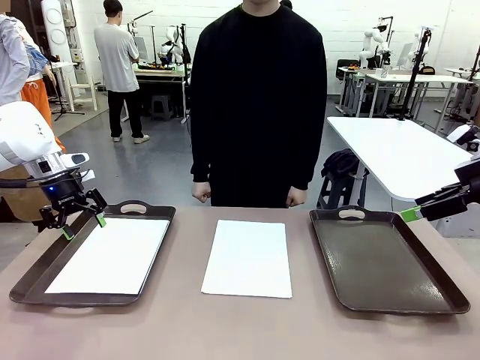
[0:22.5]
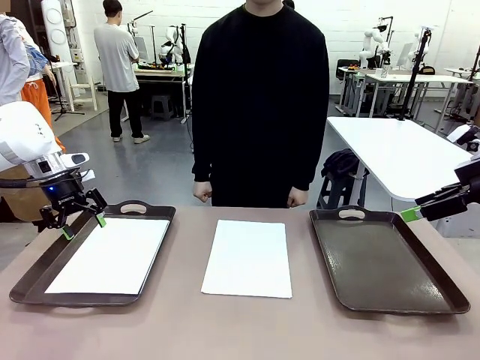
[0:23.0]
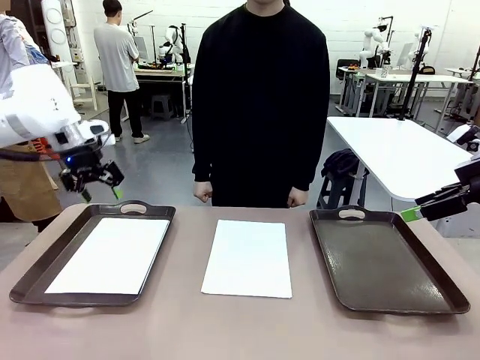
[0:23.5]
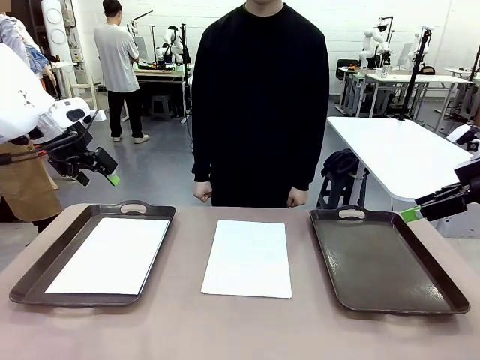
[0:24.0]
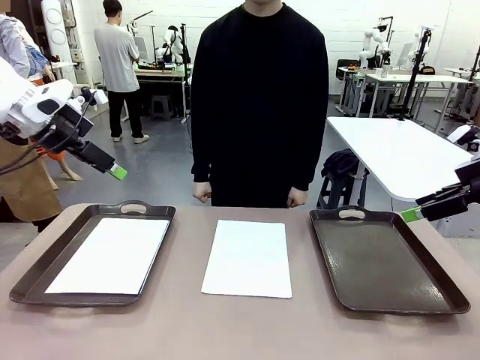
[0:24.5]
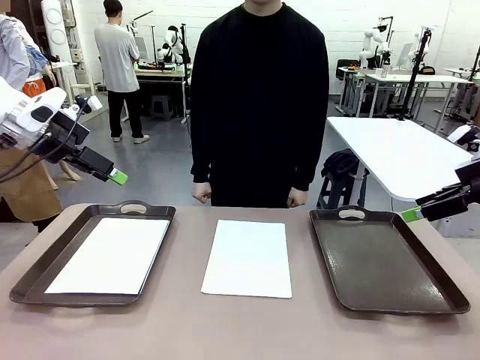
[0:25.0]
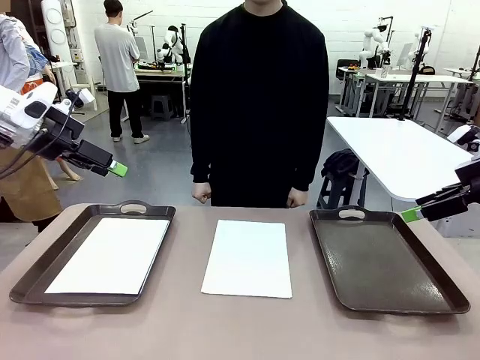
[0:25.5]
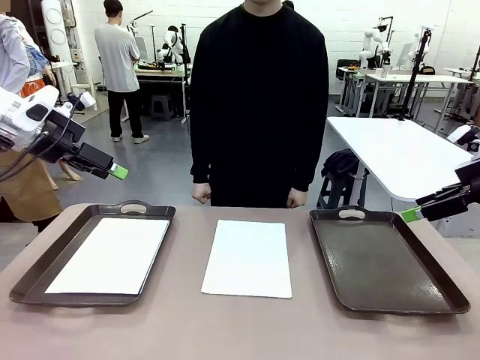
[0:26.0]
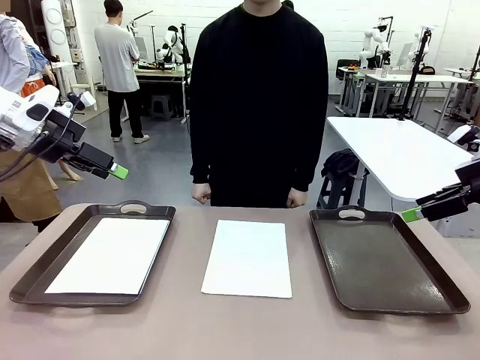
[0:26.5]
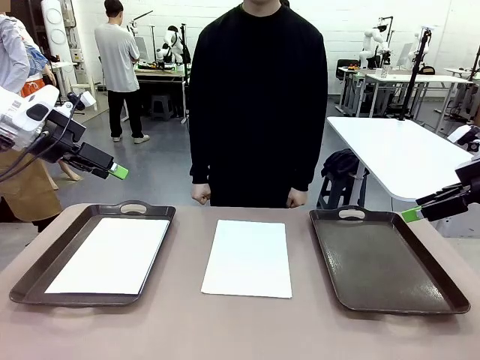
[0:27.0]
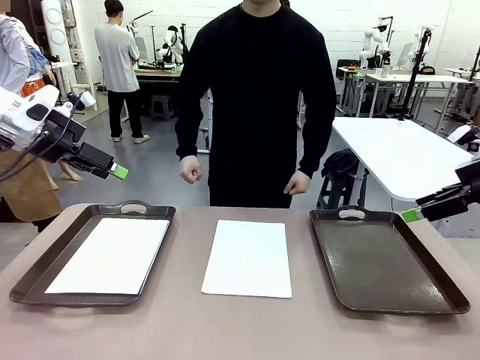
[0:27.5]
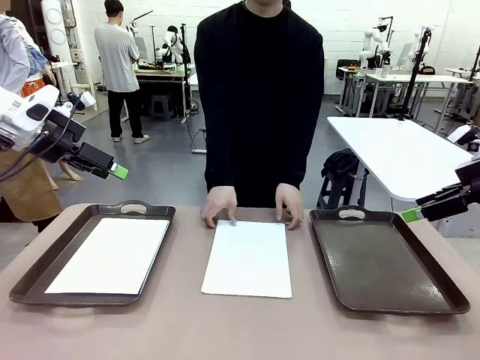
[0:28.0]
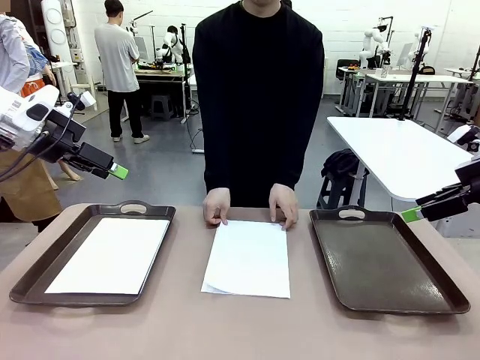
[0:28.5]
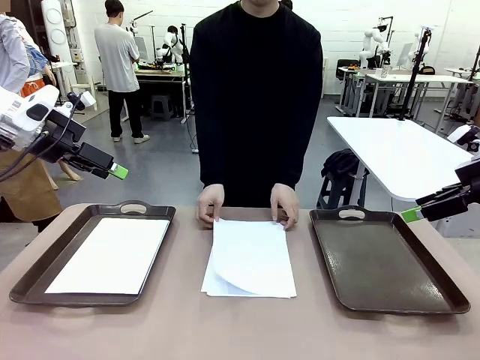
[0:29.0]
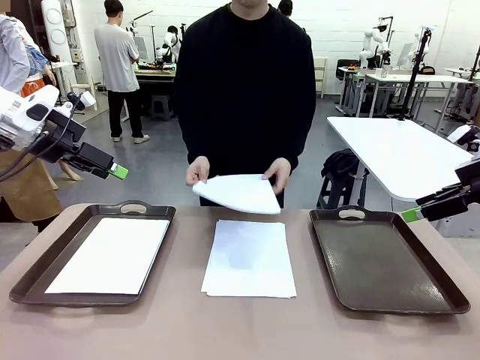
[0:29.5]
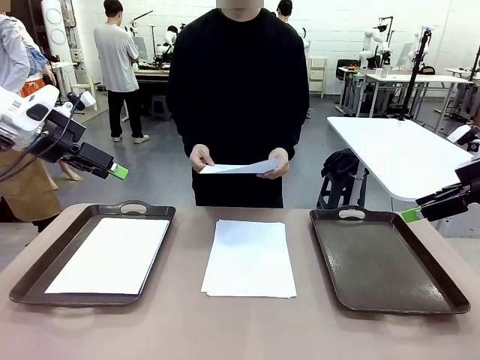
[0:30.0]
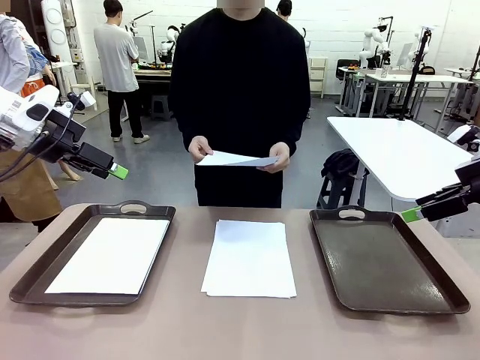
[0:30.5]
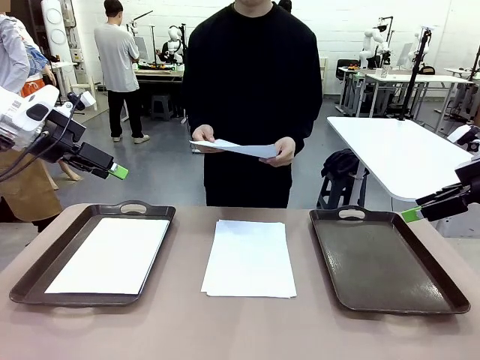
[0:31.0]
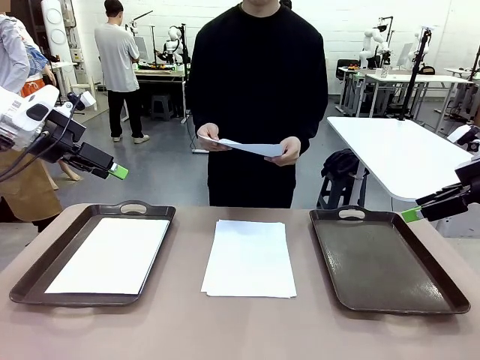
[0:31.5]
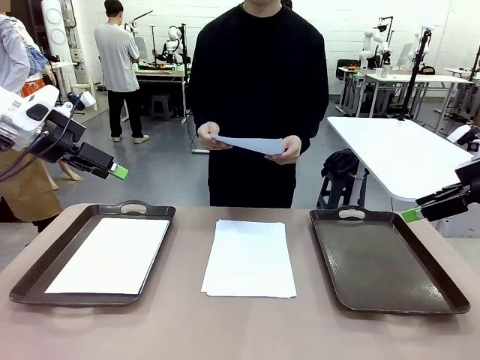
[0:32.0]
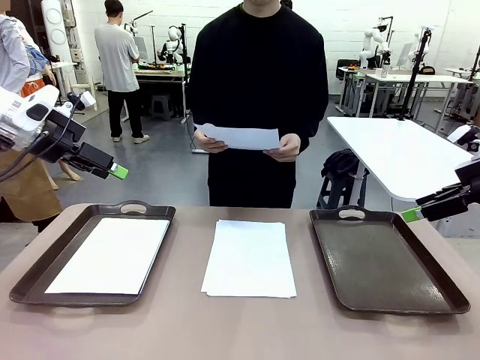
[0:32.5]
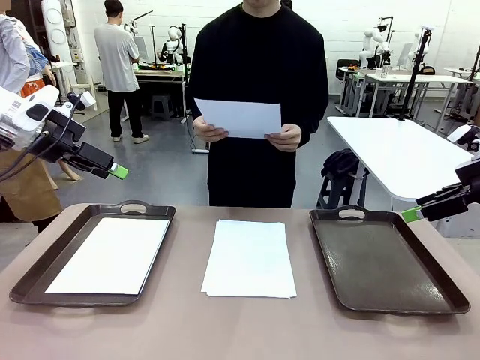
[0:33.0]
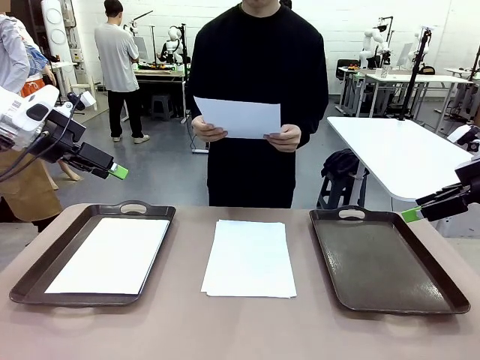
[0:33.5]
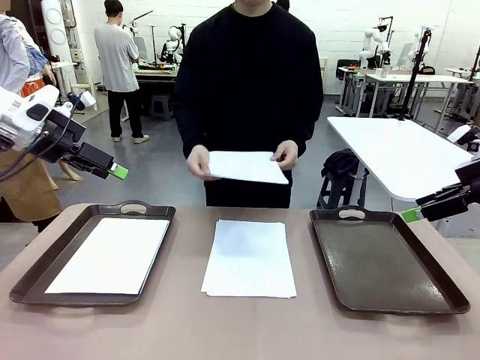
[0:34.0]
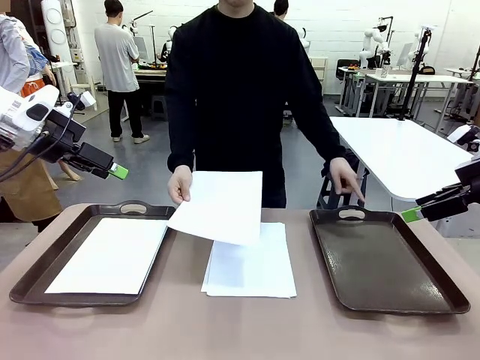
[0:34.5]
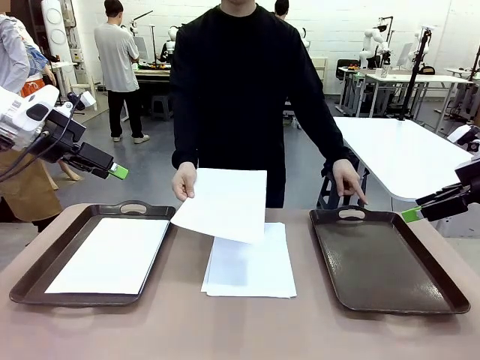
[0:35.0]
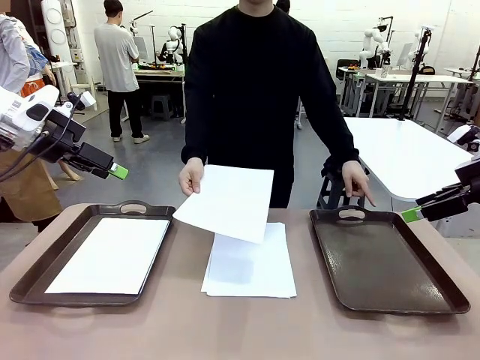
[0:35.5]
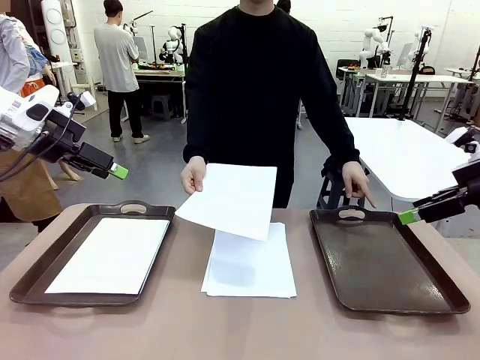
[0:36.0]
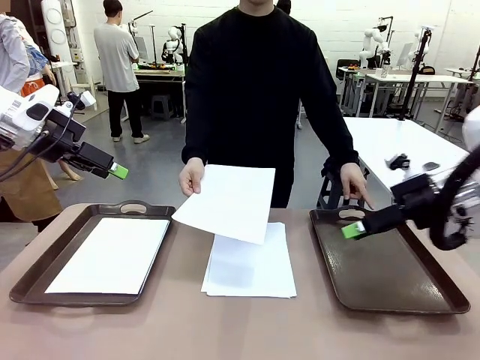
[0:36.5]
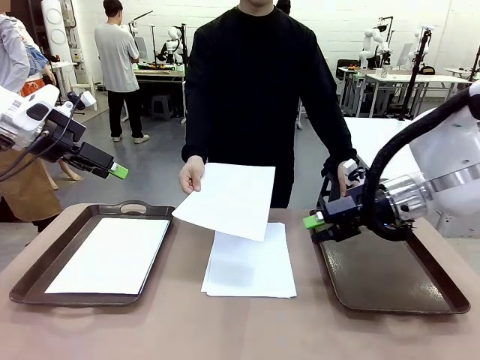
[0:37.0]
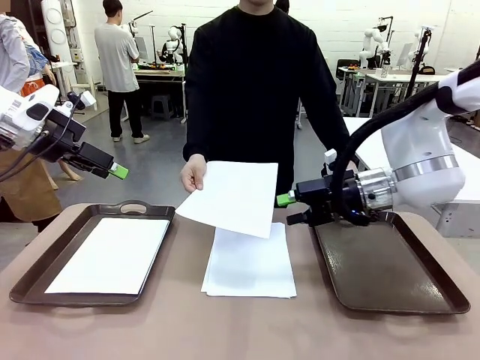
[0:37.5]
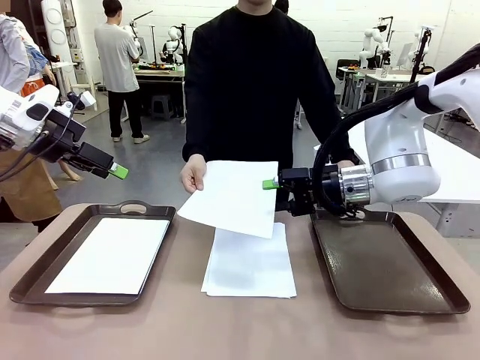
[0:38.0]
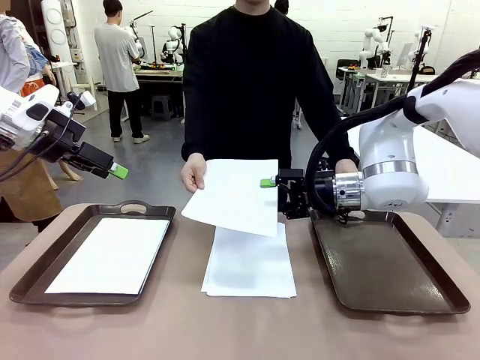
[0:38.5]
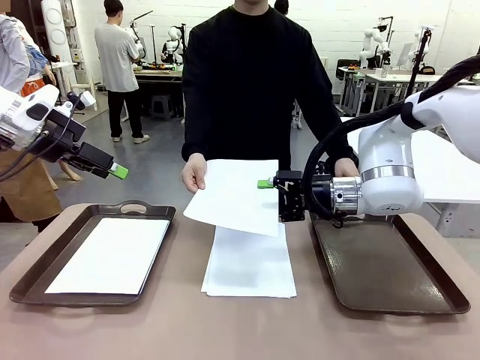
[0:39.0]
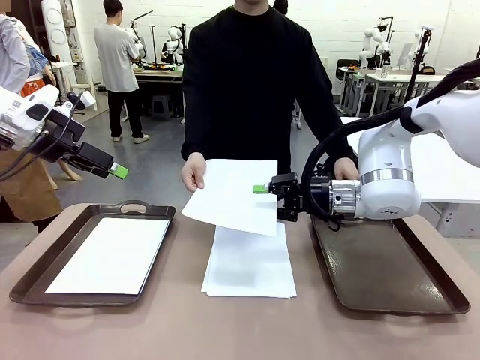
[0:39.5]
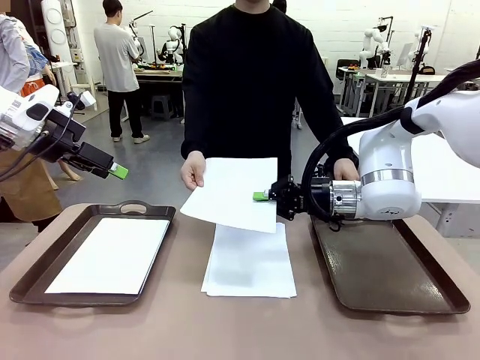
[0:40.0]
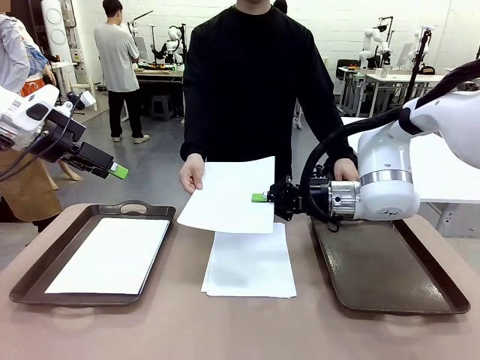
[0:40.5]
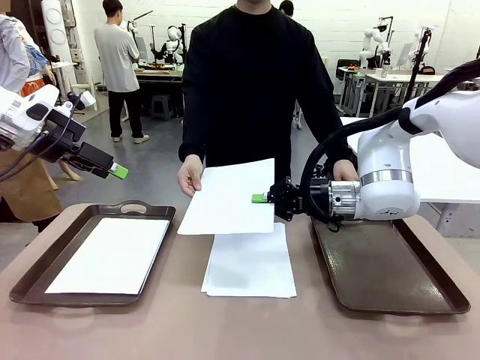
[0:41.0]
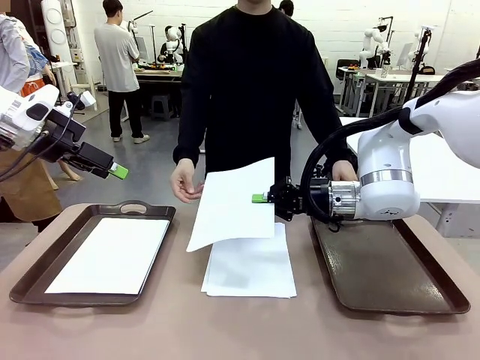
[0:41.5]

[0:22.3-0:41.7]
Task: Sort the A4 documents.
Robot: Receive the A4 Paper.
Person: Point the randomly selected tray with the other hand.

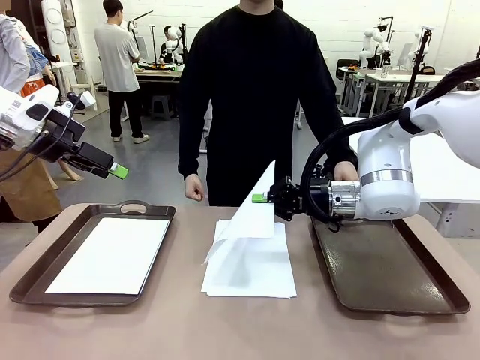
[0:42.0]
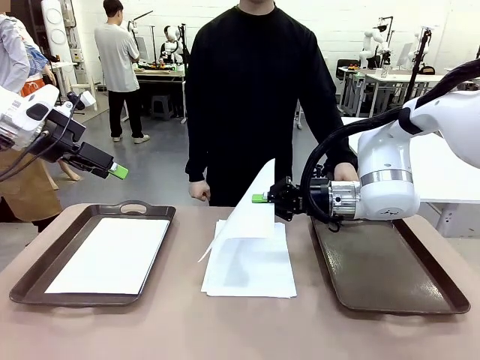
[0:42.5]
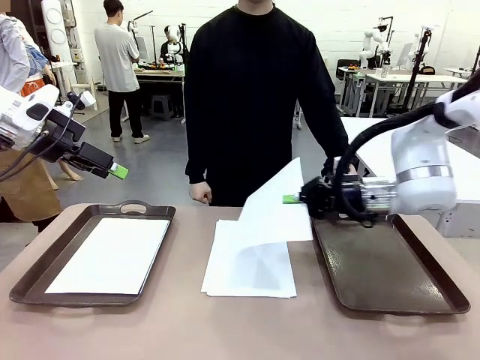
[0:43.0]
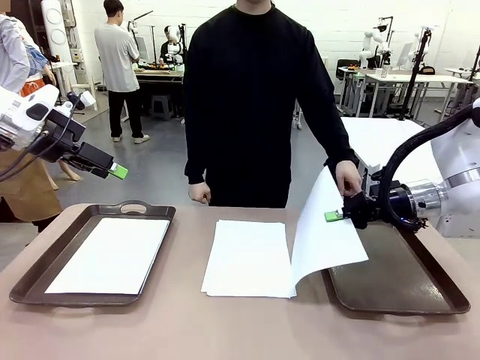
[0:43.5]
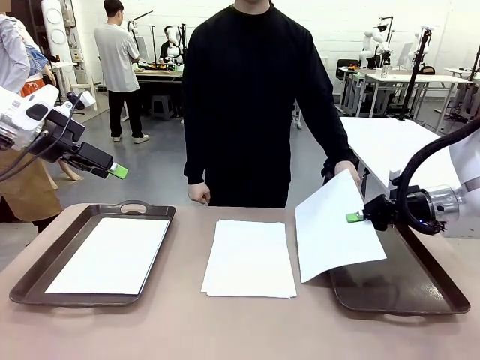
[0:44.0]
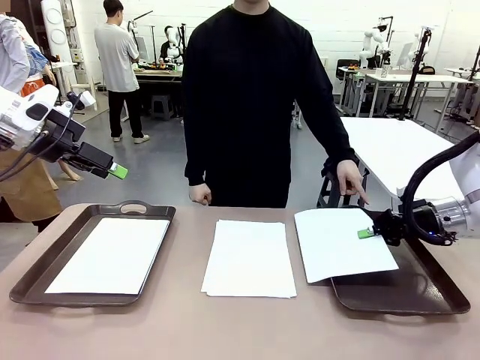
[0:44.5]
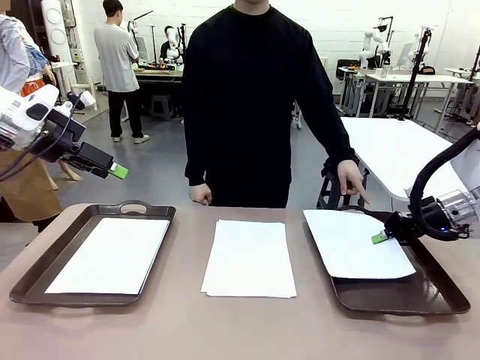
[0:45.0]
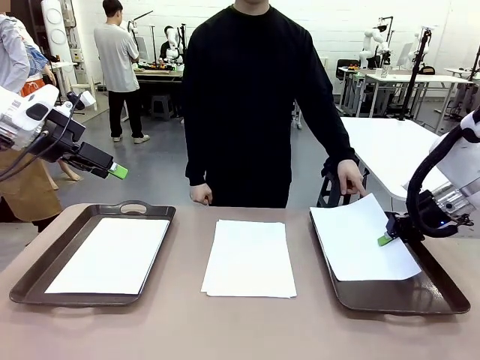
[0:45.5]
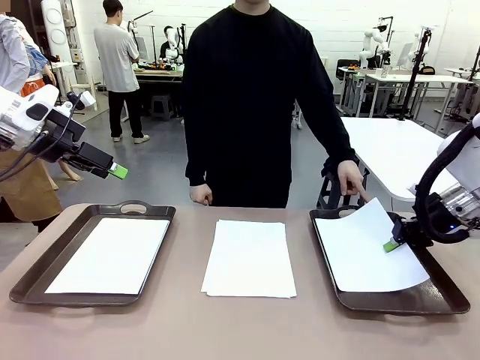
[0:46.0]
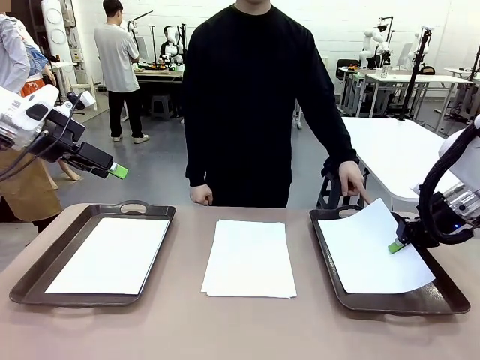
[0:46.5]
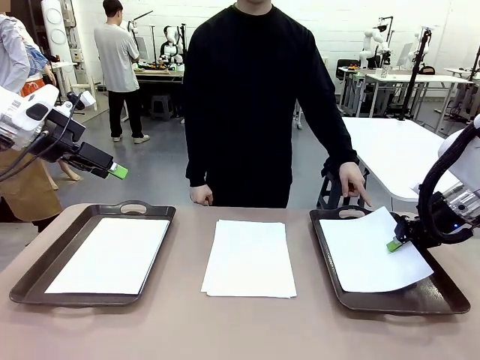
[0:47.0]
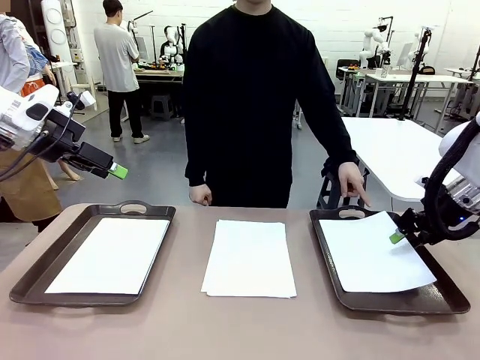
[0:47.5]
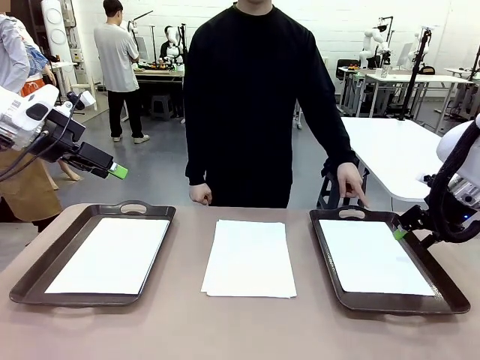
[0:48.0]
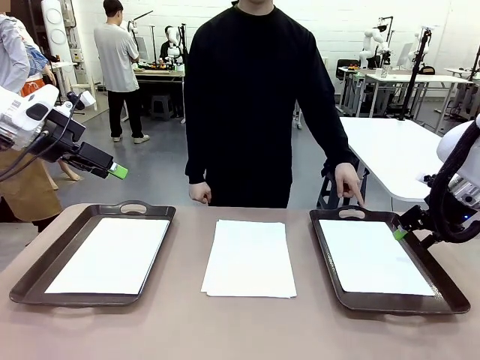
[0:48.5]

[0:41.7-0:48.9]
Robot: Place the A4 Paper in the designated Handle tray.
